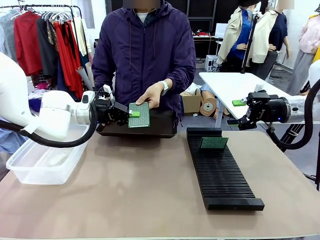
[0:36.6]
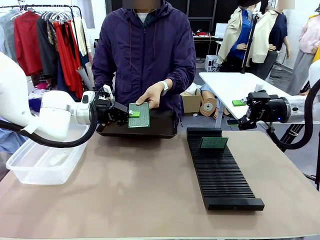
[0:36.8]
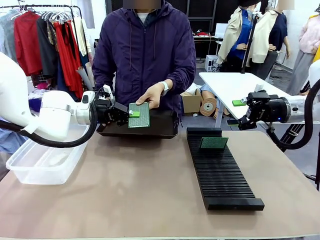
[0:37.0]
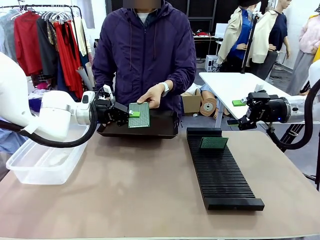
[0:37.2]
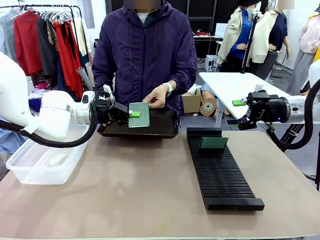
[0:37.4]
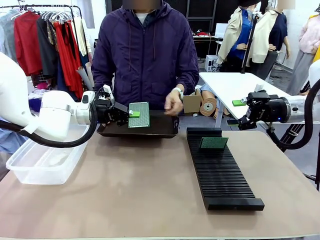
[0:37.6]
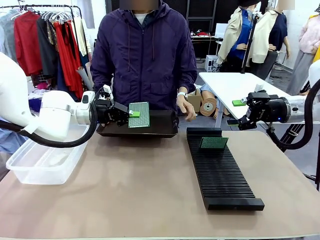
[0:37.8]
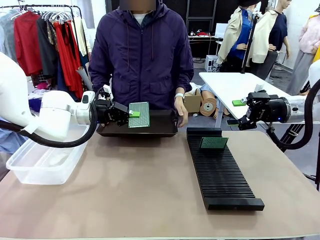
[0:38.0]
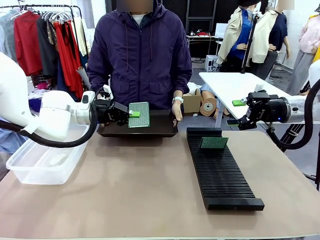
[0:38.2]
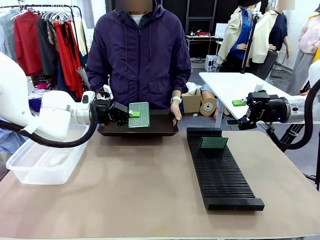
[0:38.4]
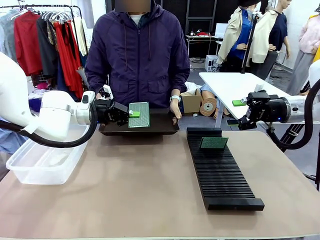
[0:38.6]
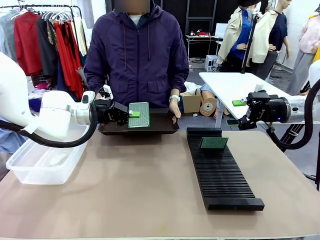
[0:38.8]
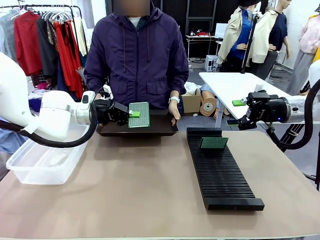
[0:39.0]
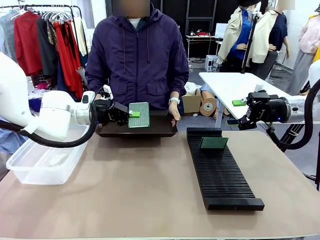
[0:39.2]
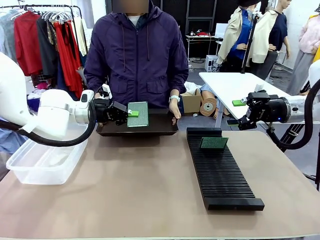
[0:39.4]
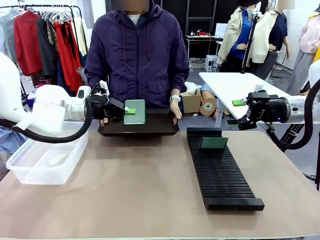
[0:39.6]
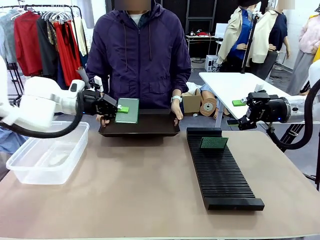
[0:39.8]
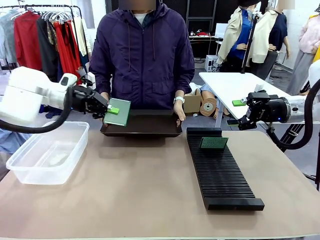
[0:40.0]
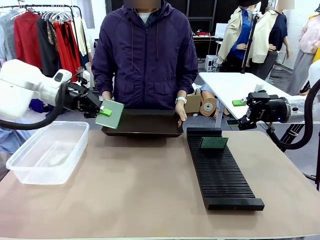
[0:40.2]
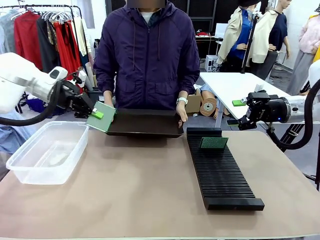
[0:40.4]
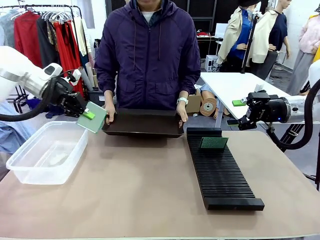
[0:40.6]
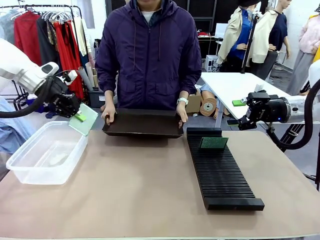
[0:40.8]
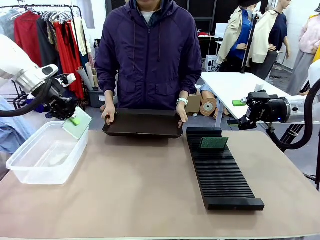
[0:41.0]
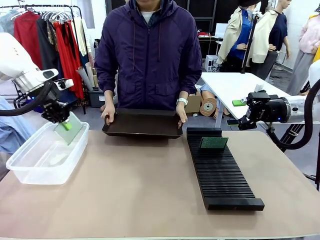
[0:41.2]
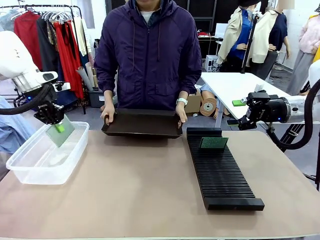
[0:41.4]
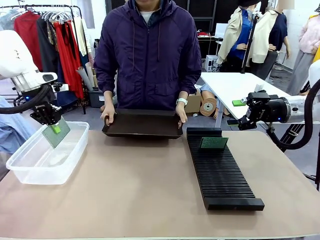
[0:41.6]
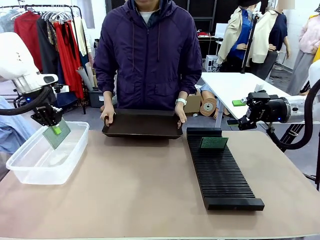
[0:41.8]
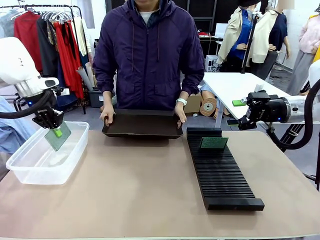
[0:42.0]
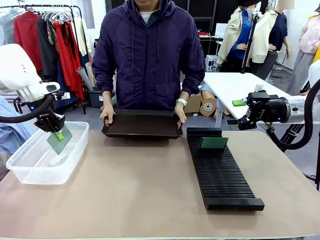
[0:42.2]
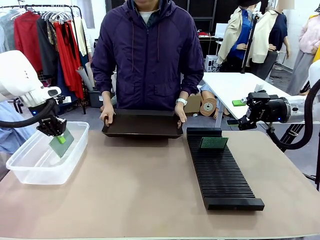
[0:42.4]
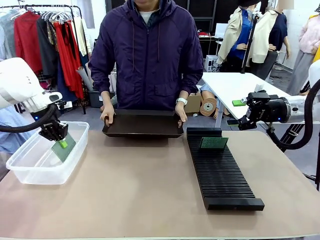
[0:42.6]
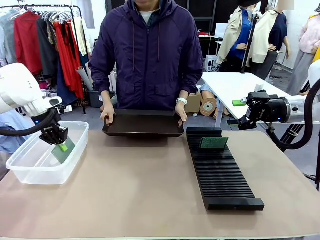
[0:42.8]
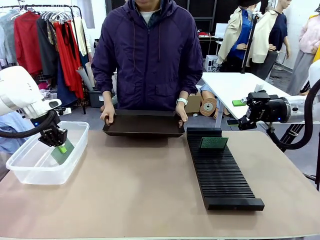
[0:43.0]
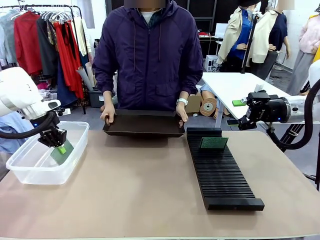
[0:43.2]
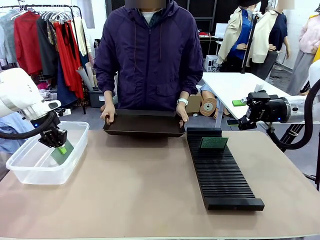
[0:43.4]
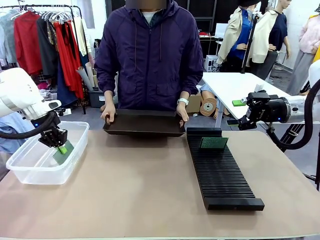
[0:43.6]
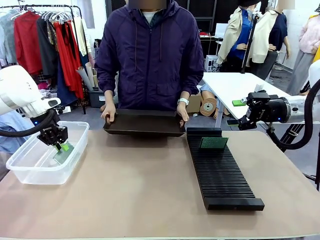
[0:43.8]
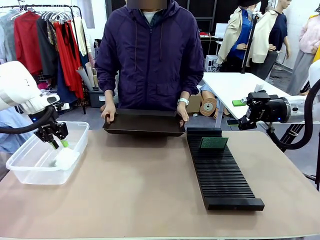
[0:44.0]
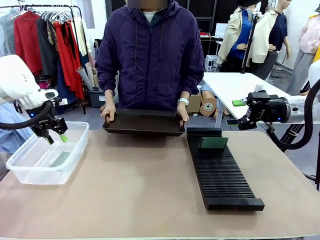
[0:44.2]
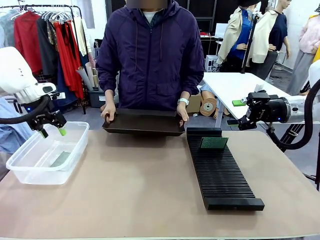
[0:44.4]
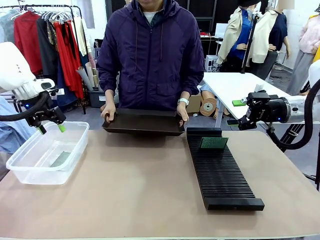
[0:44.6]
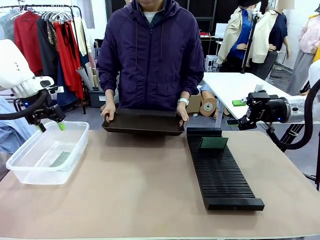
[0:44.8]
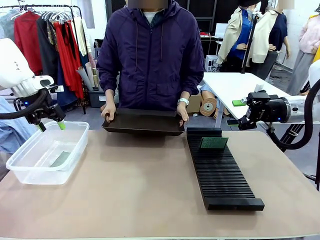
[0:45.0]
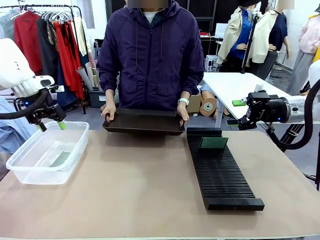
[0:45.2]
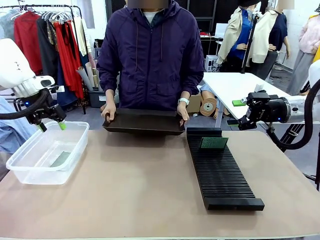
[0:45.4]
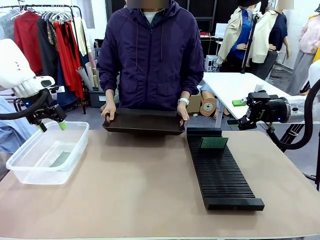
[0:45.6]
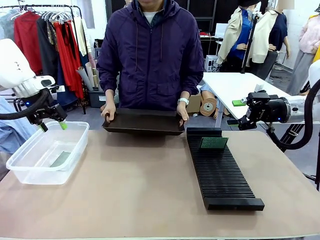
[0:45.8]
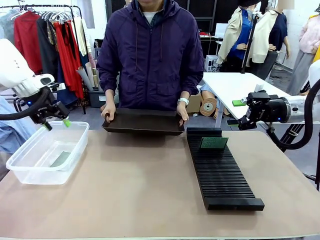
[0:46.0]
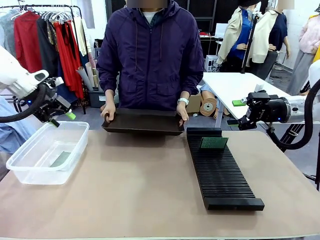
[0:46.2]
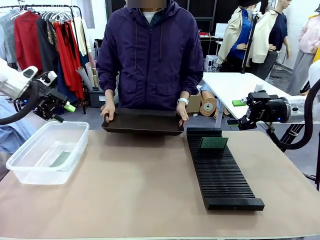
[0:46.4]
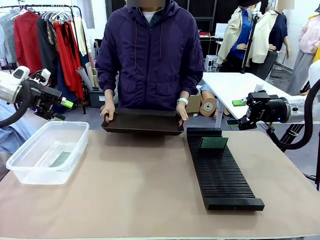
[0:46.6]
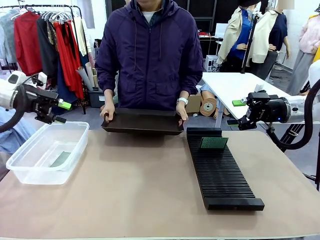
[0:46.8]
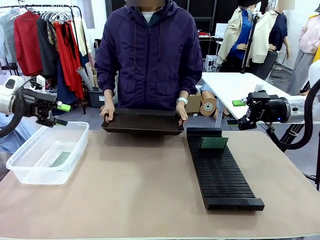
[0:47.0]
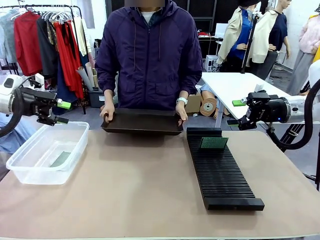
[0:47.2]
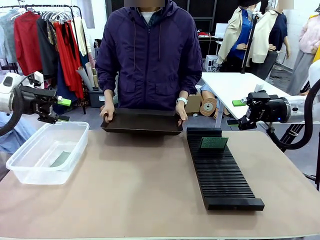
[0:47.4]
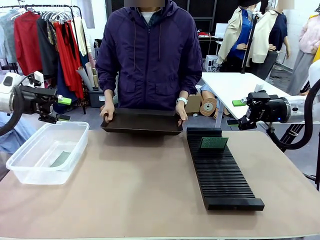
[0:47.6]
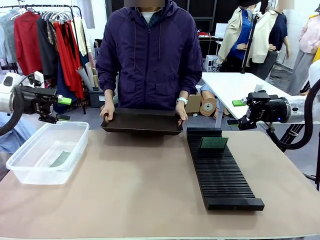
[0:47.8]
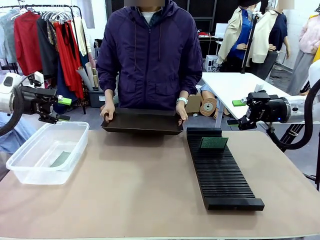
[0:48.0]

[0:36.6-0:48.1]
Task: Sort PCBs into racks and boxes based on the side picked up.
Robot: If the short side of the Blank PCB is picked up, insert it into the PCB Rack ; if the long side is picked up, place it in the Organizing box.
Person: Release the PCB being held.

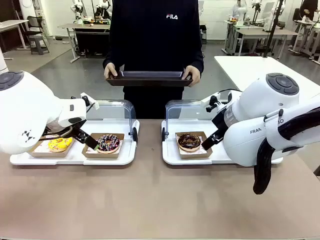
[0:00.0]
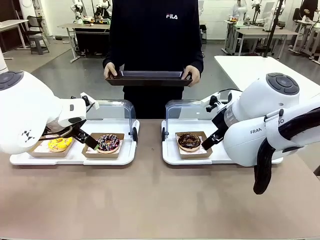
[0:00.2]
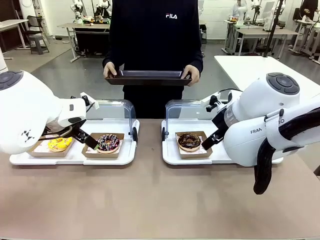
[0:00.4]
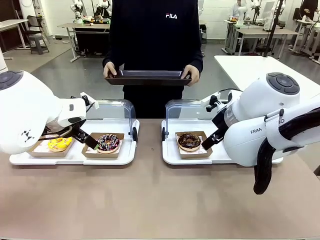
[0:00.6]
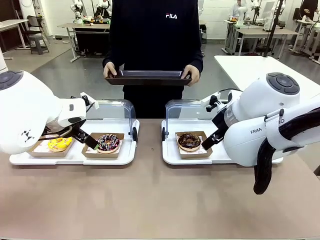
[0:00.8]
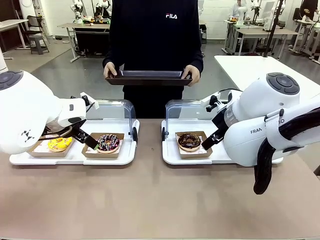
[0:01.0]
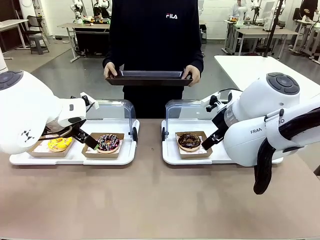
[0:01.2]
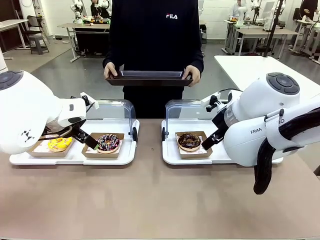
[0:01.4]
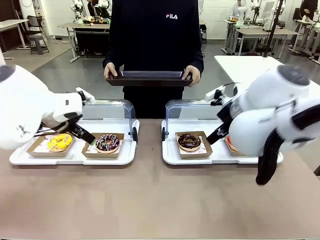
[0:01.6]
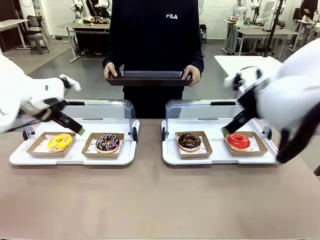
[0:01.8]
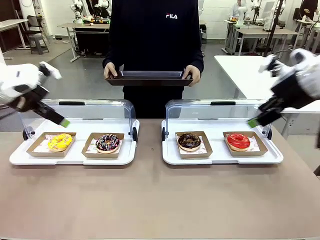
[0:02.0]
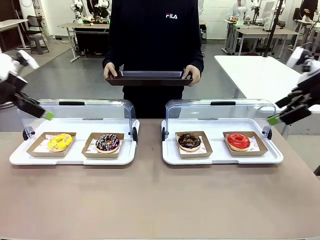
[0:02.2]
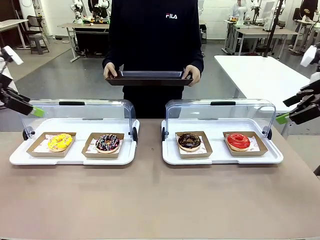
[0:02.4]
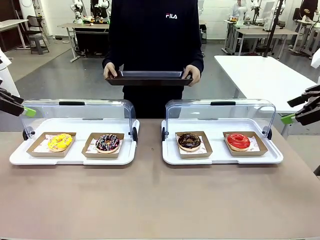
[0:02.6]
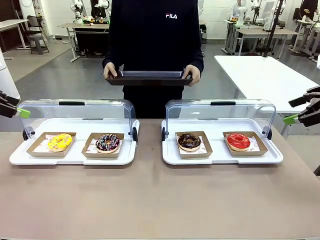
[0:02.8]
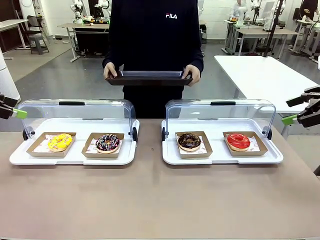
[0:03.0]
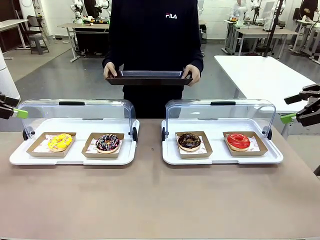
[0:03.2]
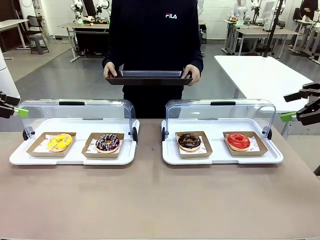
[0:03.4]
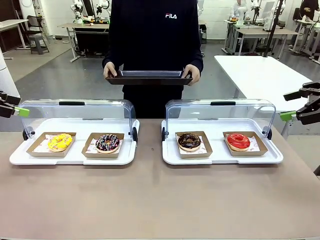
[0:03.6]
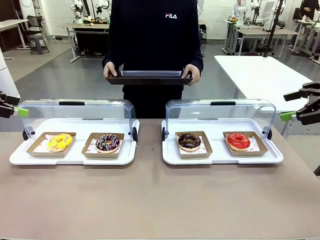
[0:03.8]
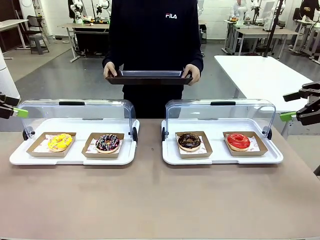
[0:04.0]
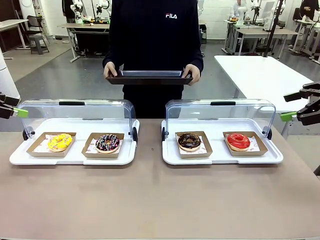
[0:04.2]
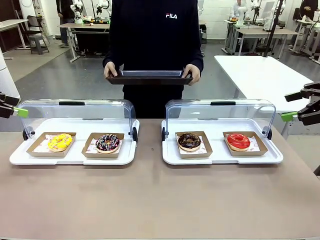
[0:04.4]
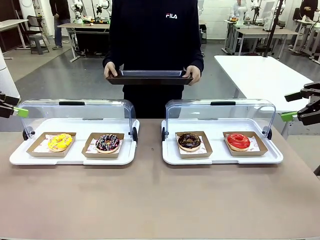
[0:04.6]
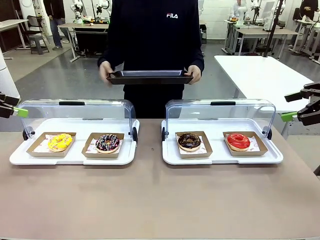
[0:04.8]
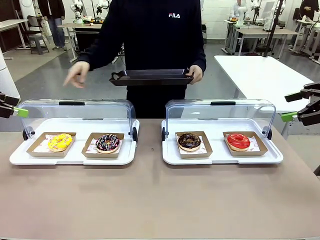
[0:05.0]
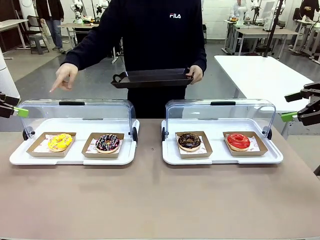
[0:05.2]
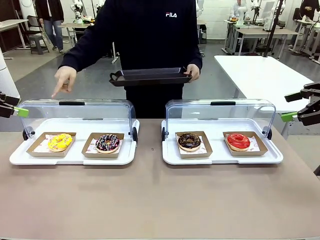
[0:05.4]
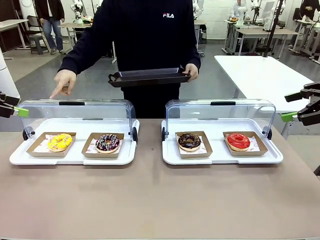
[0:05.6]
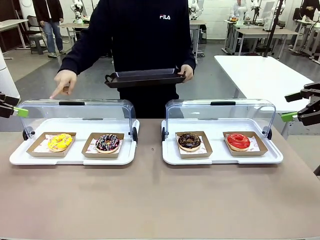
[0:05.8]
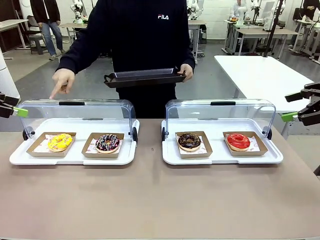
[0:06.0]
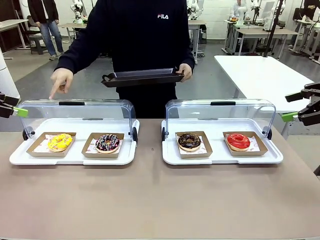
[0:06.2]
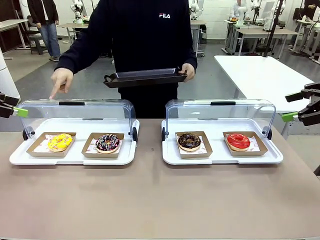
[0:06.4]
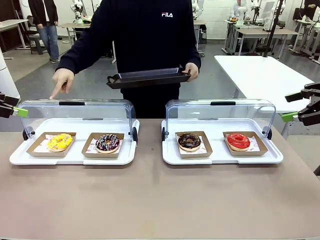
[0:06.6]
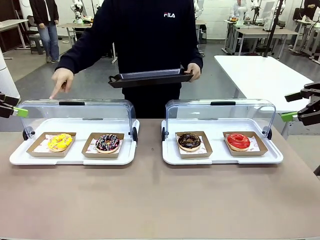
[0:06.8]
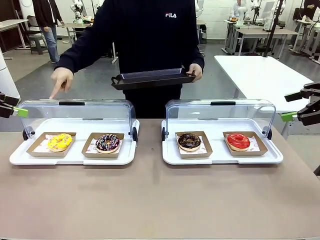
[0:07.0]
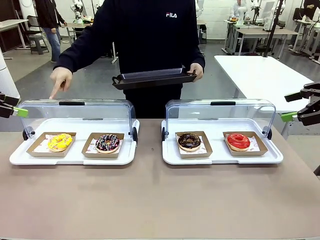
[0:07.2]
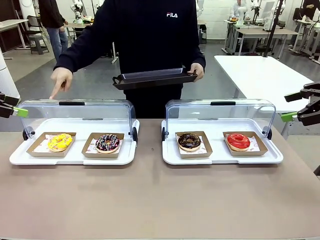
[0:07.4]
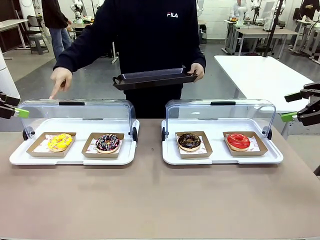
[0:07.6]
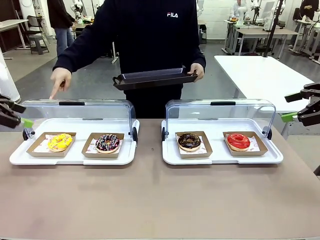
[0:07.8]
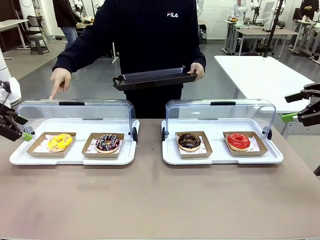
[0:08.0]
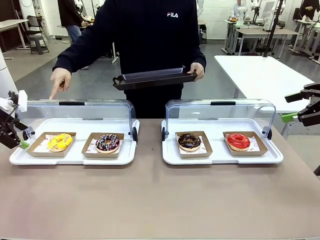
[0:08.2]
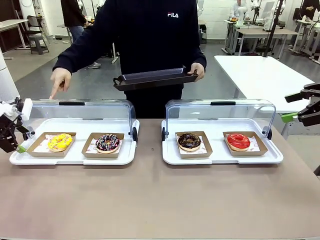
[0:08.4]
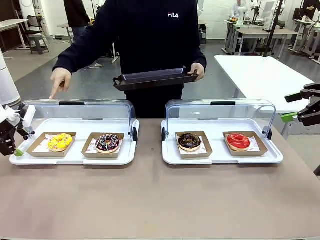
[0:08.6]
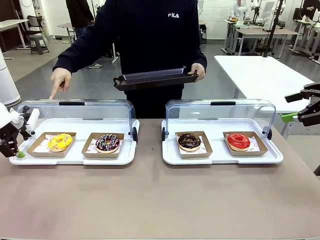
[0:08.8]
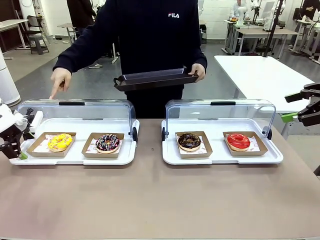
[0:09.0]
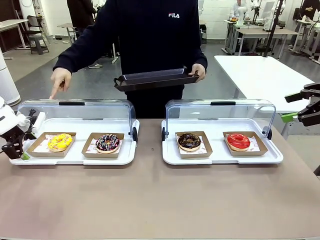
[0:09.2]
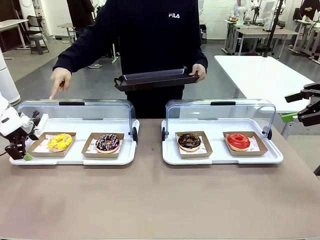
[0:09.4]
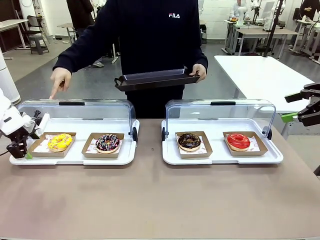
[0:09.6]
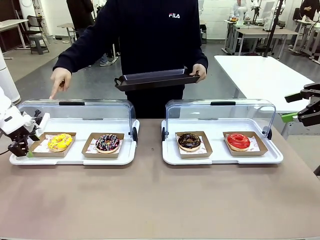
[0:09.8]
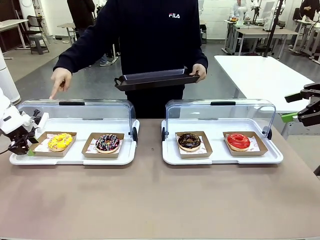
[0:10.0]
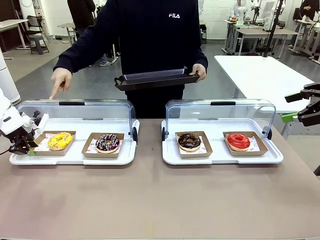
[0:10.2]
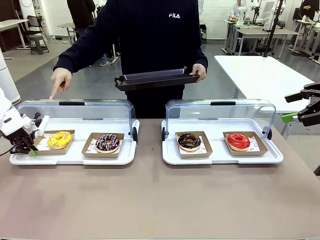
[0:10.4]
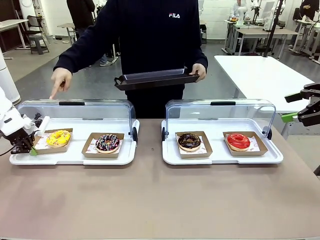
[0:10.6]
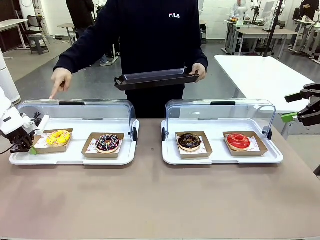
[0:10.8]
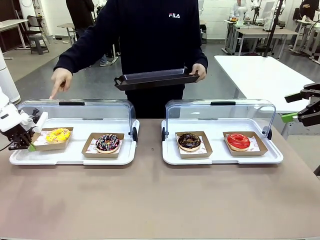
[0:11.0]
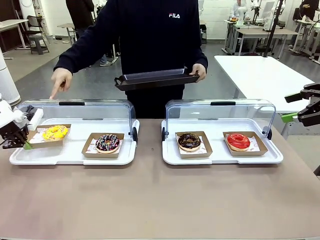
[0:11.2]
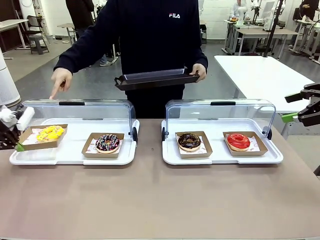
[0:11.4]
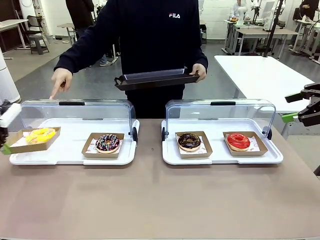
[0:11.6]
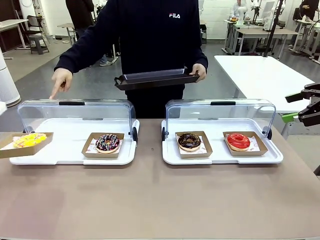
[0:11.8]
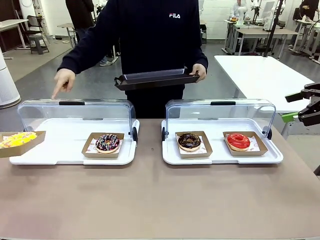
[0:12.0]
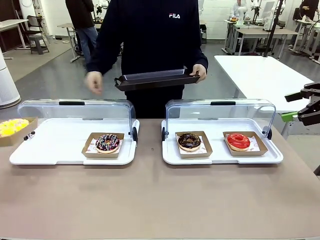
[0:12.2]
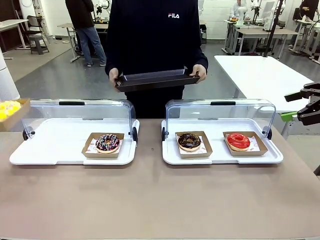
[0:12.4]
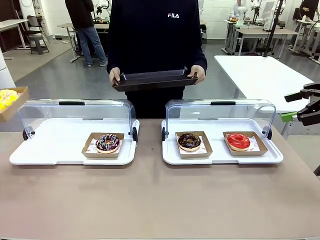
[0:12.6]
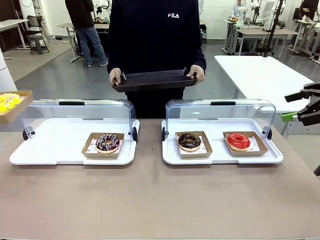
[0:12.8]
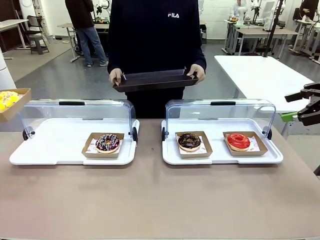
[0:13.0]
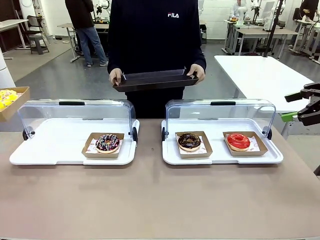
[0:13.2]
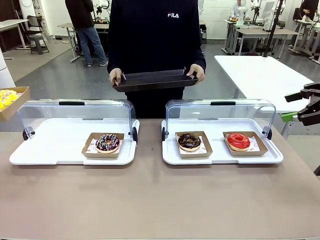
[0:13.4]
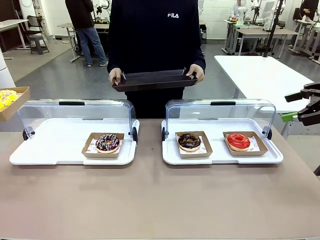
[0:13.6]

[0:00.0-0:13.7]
Task: Provide the desired donut to the person.
Robot: Pick up and lift the Paper togo box containing the Donut pointed at by the person.
Person: Point to one donut. Lift the tray onto the Roll-Top Bakery Case.
